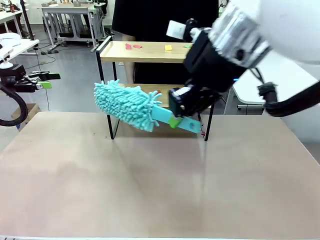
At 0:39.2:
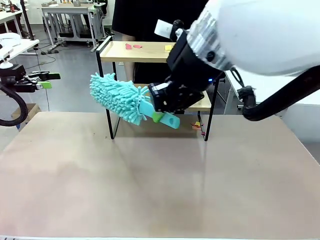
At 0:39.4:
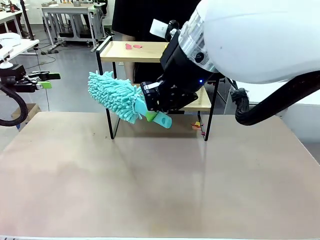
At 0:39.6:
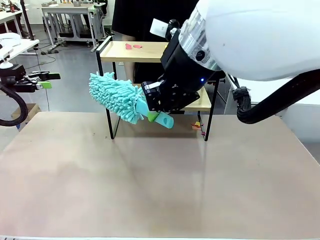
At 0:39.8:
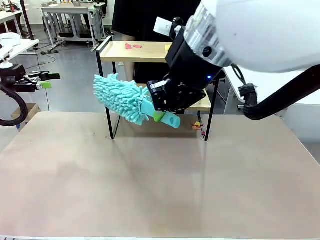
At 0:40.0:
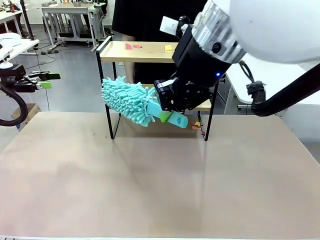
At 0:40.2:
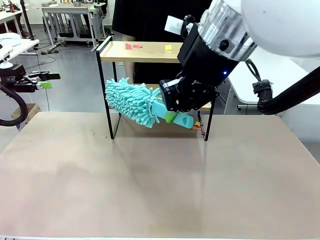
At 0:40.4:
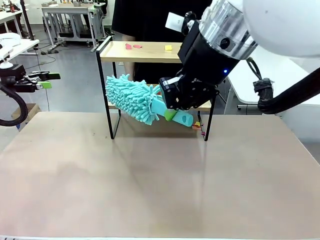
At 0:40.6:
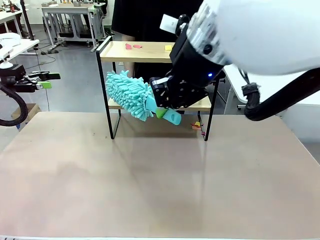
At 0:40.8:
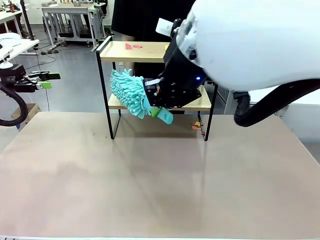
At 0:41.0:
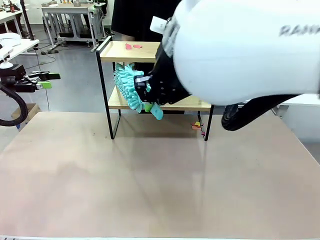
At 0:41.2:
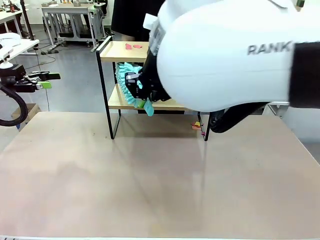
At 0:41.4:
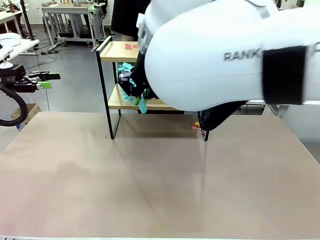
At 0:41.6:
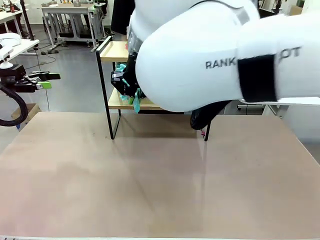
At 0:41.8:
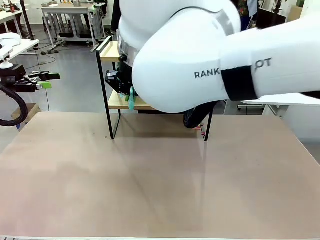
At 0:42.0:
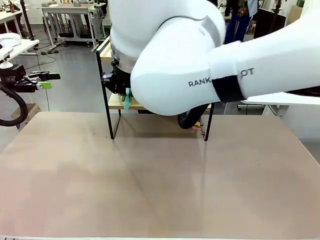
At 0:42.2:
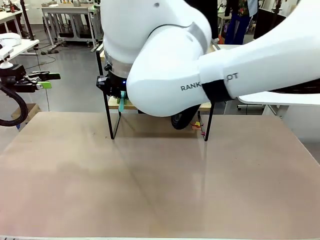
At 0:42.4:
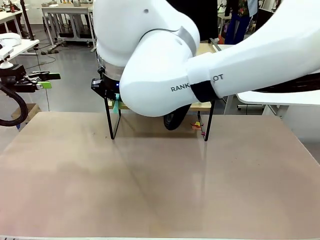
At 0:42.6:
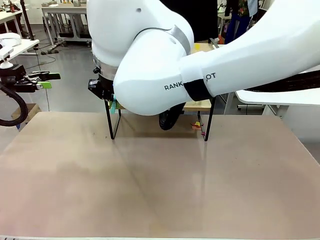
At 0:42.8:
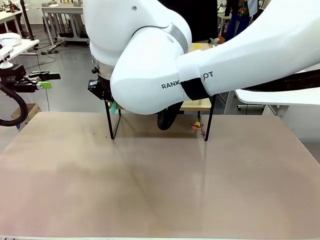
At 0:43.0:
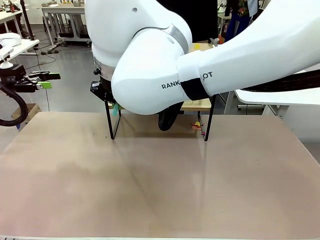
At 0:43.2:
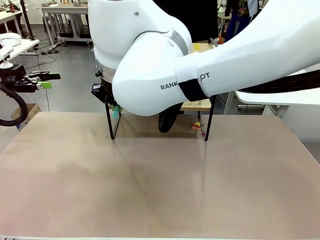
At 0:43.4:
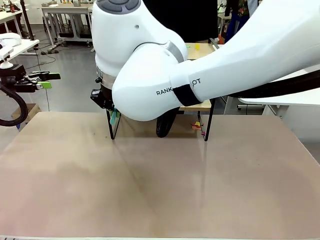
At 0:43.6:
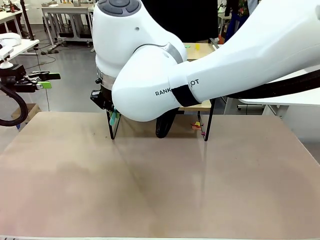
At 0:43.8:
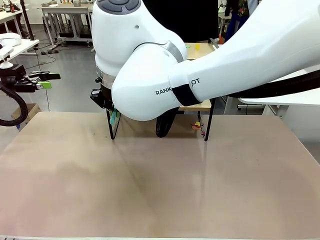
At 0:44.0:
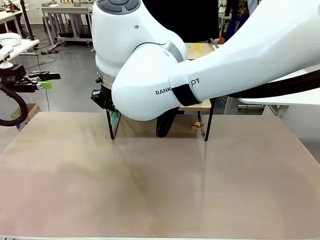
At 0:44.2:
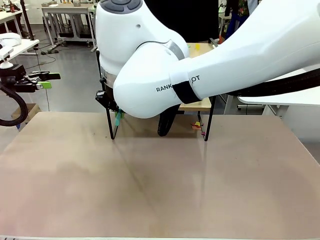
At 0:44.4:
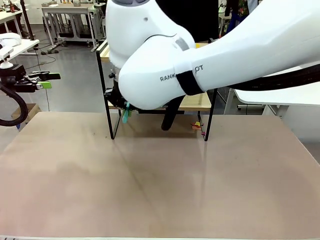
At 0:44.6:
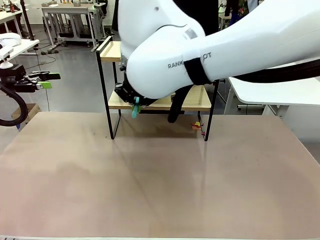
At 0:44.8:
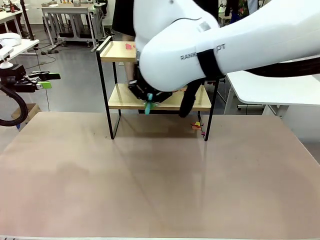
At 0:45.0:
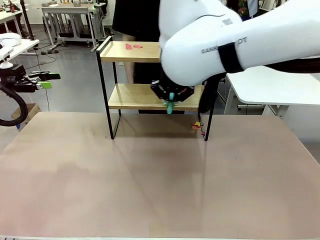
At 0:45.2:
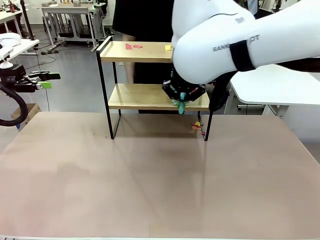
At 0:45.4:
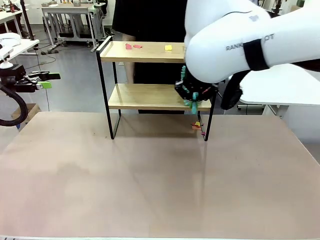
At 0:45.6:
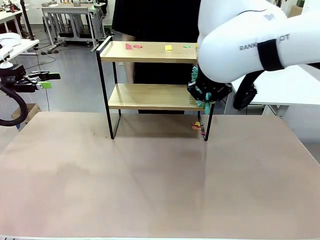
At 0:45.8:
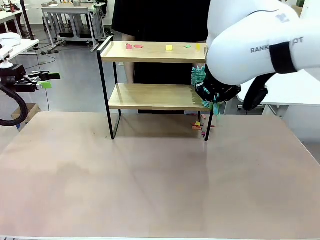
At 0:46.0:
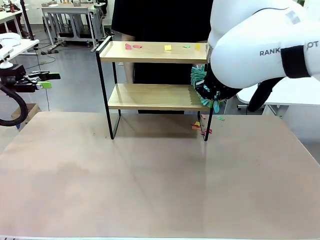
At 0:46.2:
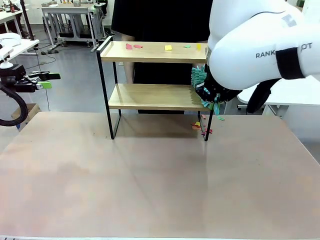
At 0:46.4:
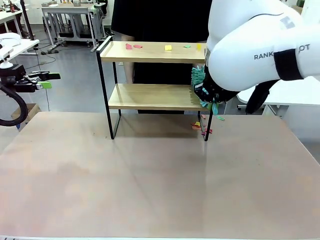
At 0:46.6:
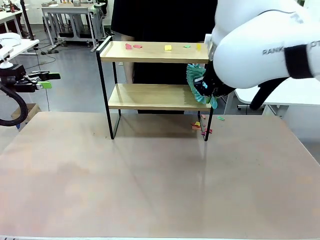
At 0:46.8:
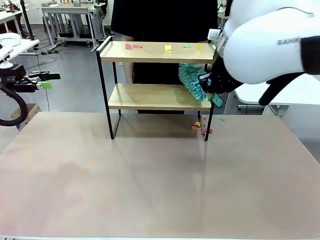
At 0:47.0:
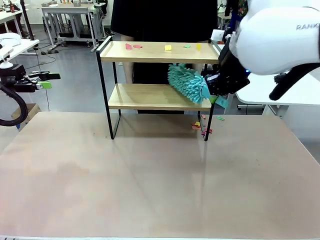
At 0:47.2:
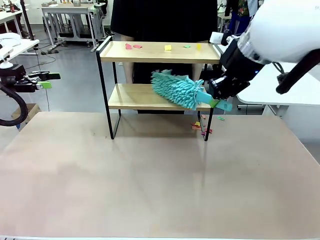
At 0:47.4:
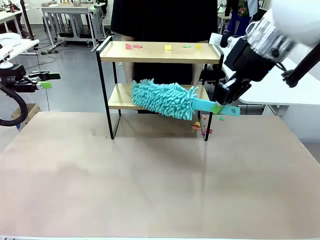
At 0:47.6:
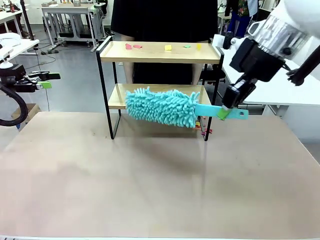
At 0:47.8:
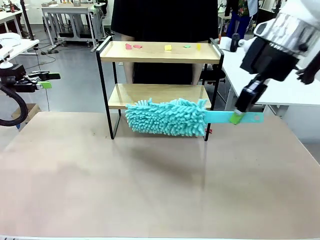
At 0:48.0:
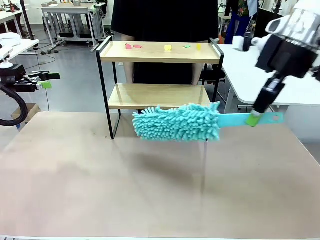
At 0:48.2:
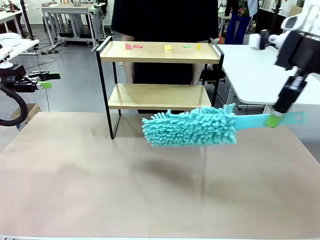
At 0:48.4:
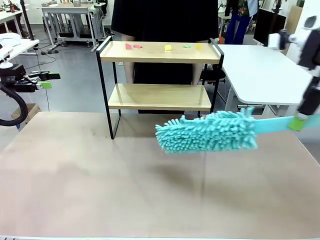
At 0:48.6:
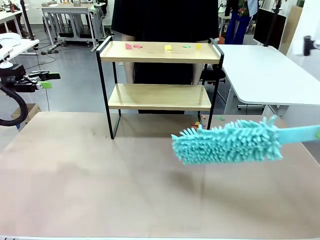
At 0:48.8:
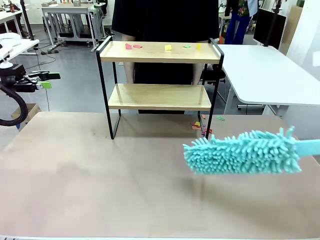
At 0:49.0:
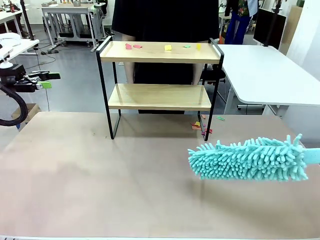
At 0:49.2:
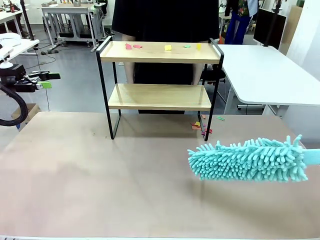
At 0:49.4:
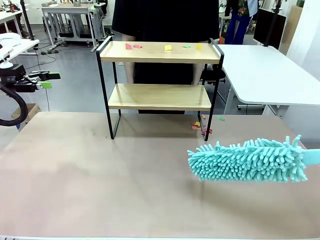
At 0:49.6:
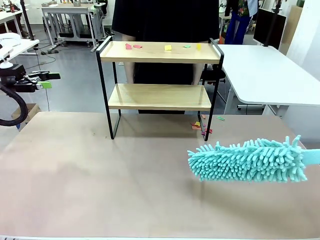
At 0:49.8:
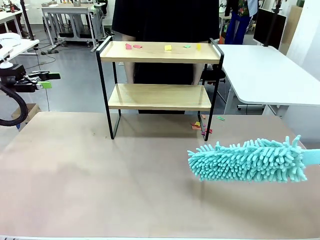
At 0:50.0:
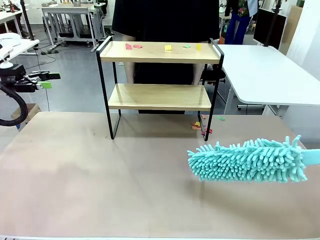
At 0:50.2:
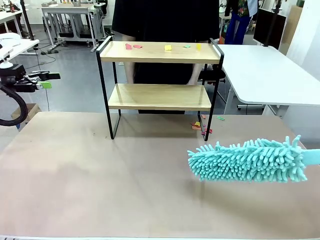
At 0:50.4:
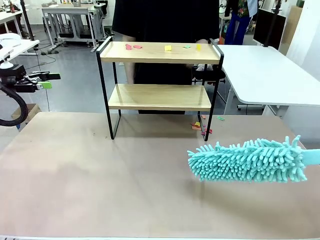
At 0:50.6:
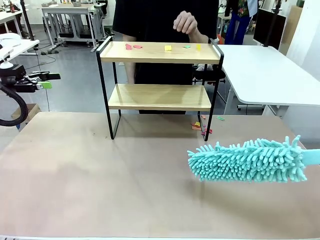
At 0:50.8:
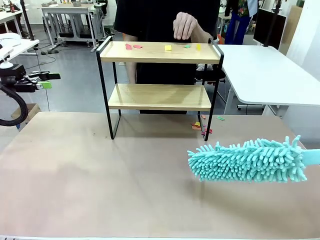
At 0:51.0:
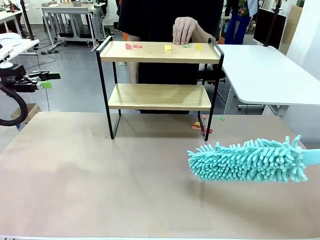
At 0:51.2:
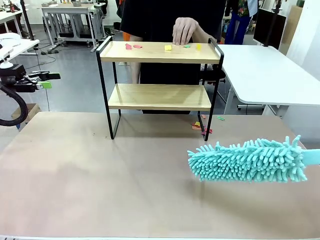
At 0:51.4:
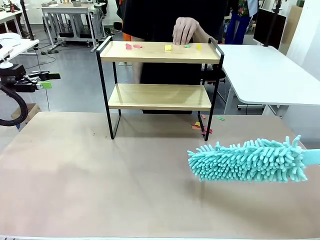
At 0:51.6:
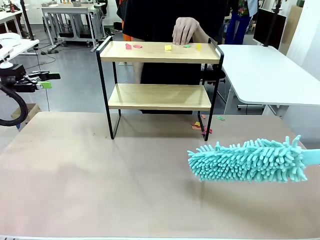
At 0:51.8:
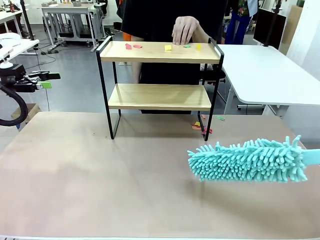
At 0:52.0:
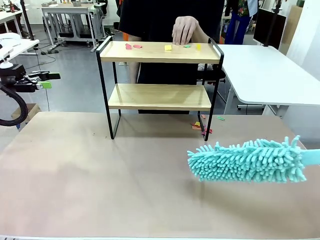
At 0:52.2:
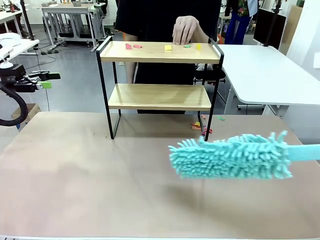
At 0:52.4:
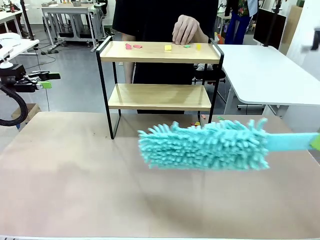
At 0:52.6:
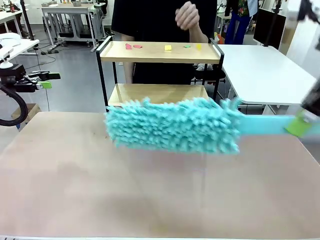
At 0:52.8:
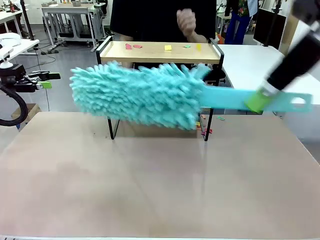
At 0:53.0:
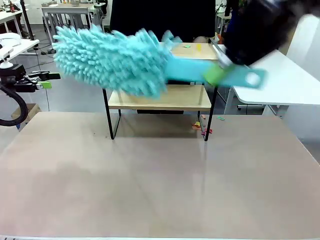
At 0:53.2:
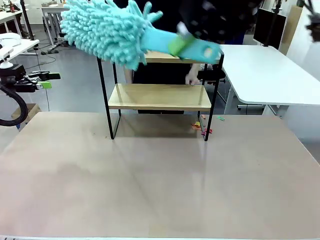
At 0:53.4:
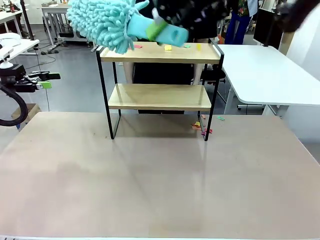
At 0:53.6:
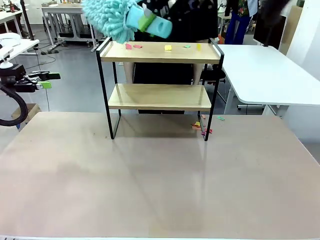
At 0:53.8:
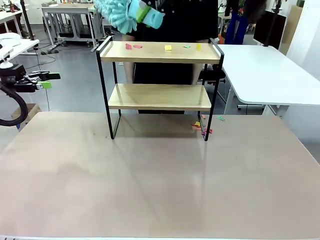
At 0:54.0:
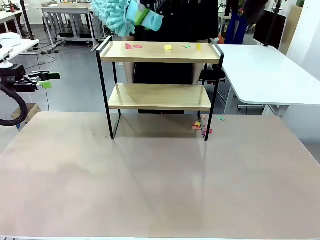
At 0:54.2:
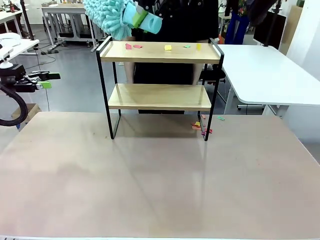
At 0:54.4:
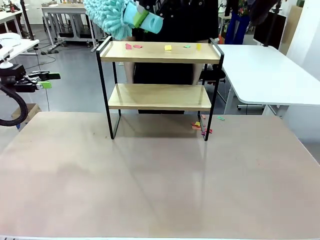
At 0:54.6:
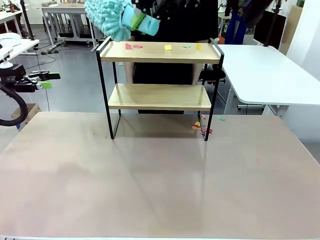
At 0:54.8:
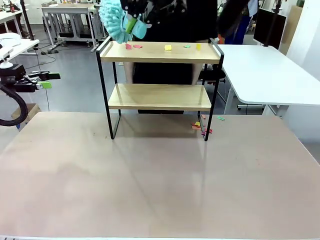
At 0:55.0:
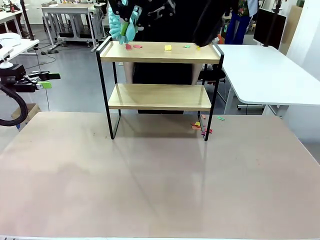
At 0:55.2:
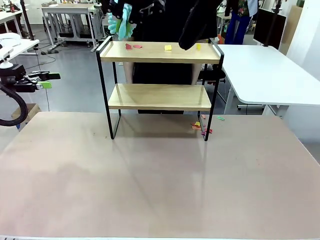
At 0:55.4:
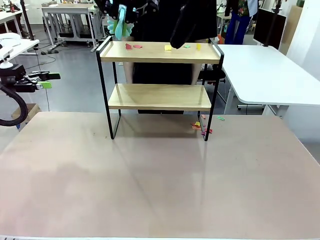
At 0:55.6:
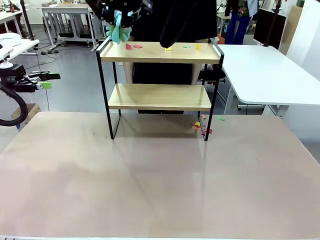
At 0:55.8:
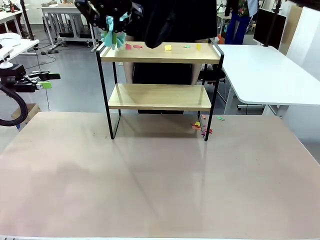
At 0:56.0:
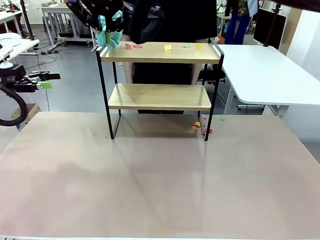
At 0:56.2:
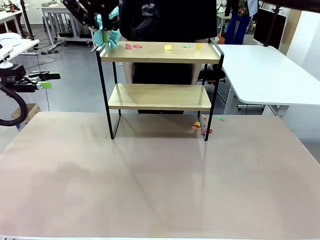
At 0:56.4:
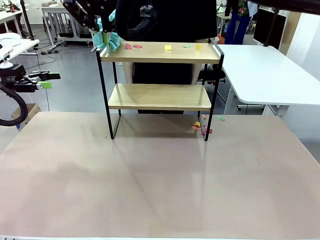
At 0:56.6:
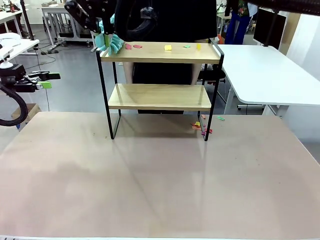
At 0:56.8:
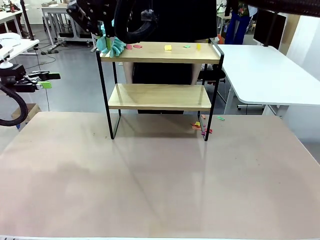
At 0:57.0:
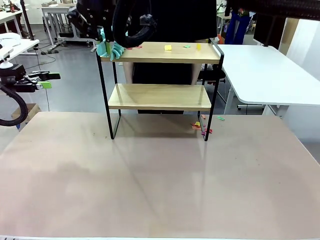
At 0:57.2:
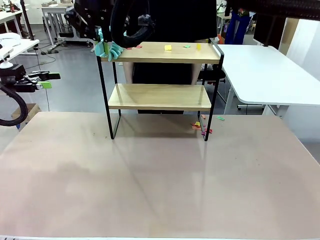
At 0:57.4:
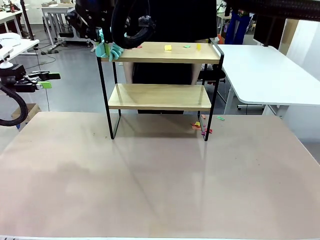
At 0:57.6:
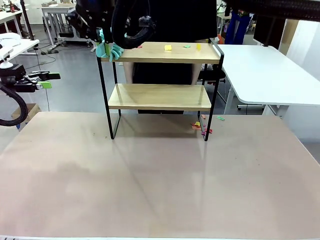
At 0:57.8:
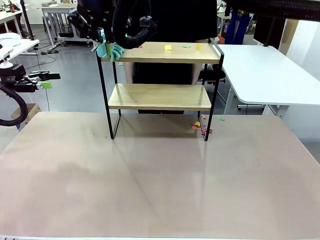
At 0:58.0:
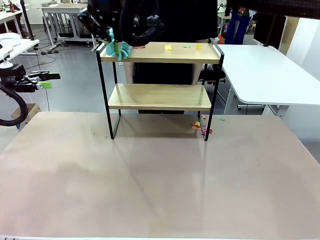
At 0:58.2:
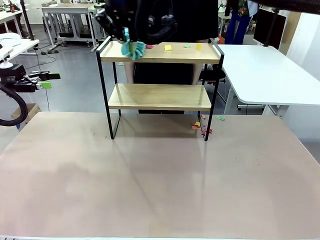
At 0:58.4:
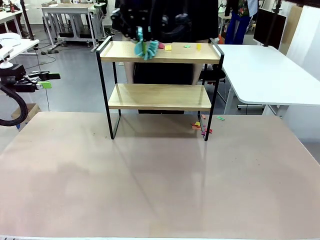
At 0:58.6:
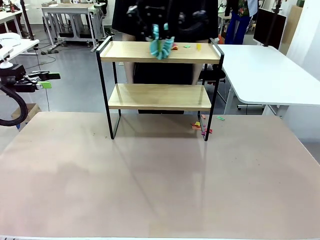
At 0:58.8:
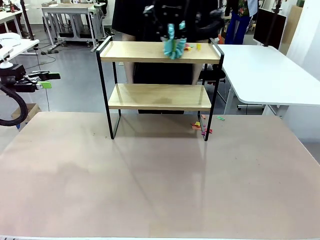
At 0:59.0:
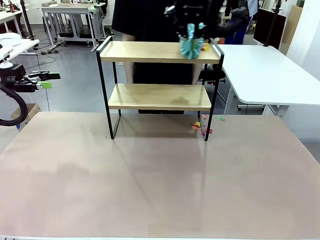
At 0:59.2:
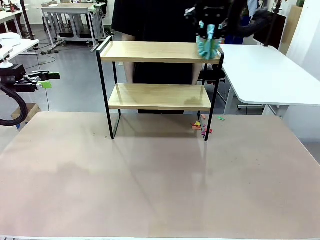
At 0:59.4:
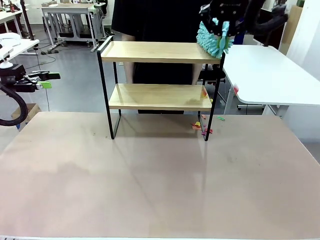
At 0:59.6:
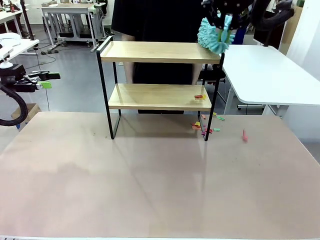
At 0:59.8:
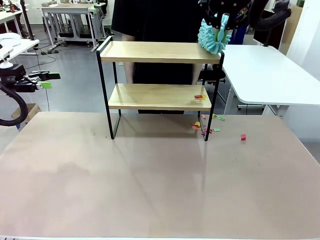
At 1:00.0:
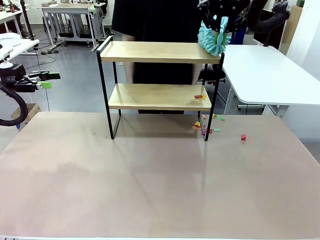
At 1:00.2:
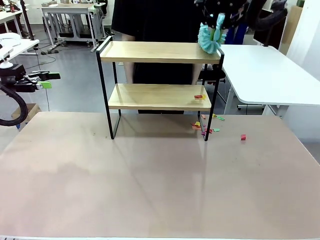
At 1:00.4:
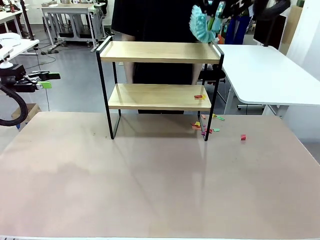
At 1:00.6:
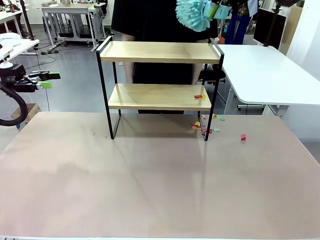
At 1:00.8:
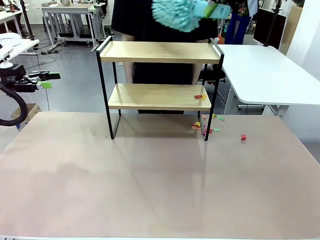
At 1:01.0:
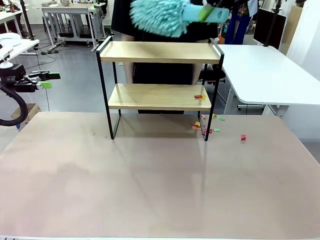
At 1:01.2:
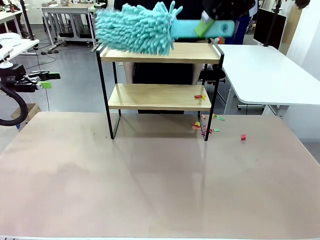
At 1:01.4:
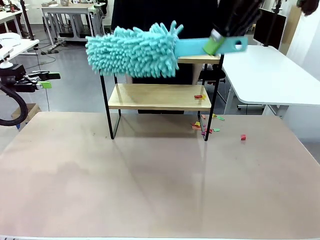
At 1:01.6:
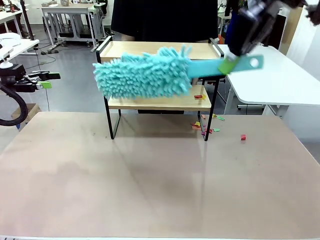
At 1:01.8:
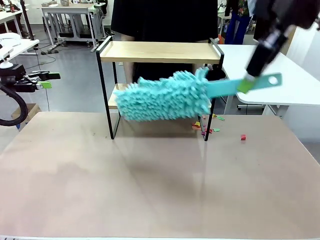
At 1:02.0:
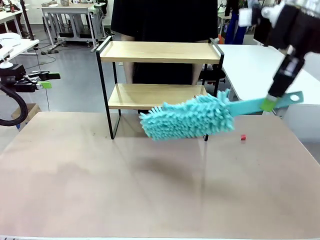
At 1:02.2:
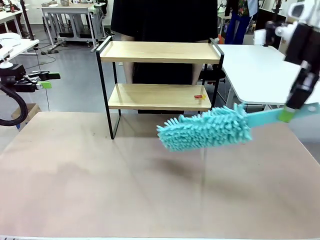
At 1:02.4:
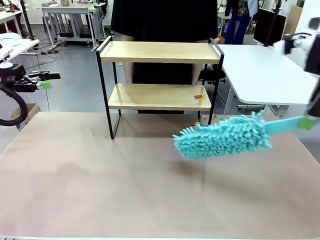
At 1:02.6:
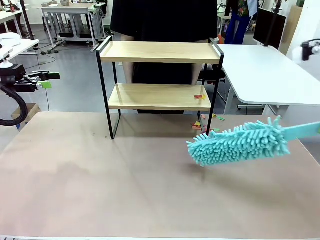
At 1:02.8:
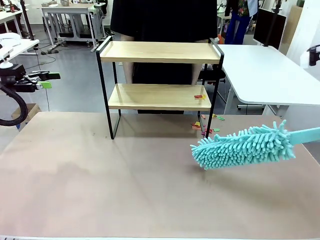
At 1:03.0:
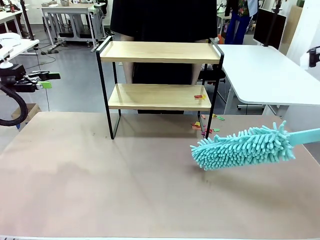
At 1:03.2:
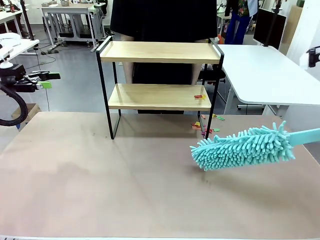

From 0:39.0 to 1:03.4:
Task: Clean the shelf.
Robot: Clean the specific section of the Shelf indicated by the human with the Duster.
Person: Point a remaining section of the Shelf.
